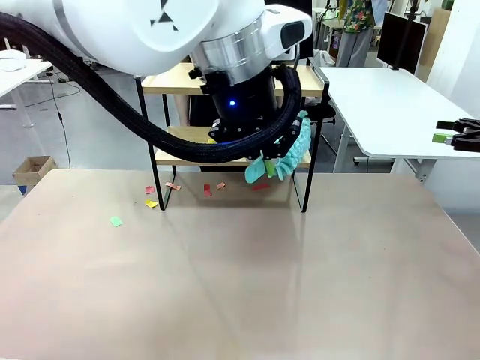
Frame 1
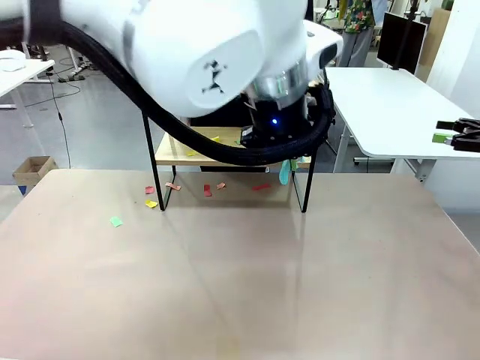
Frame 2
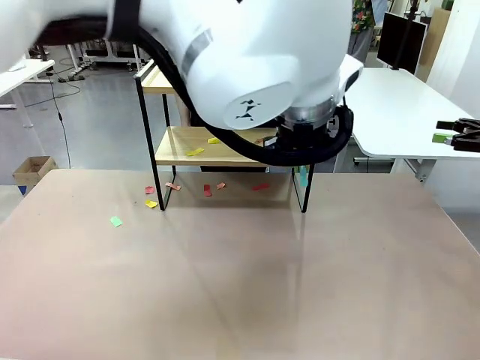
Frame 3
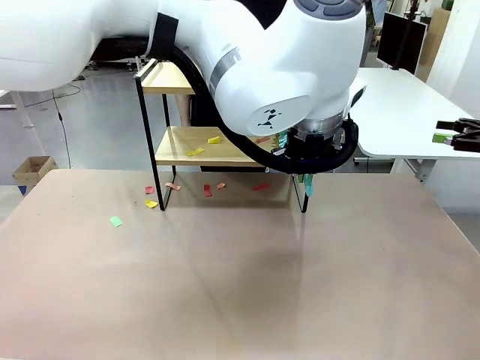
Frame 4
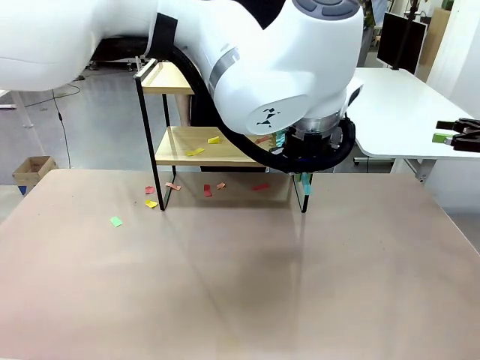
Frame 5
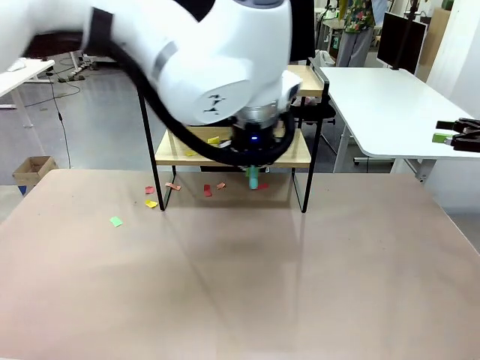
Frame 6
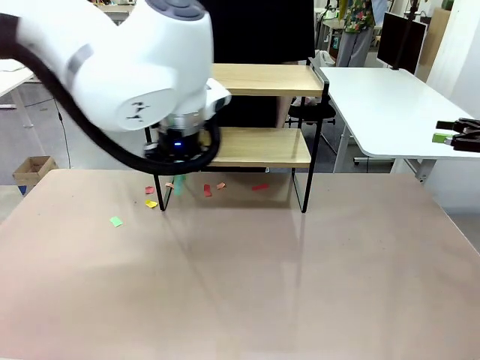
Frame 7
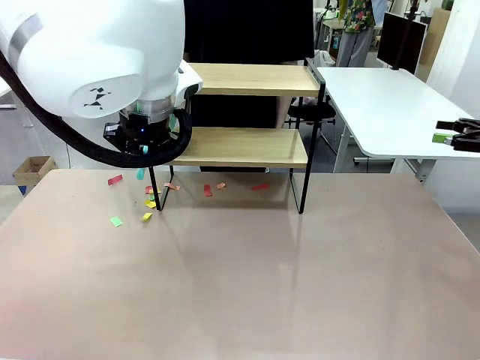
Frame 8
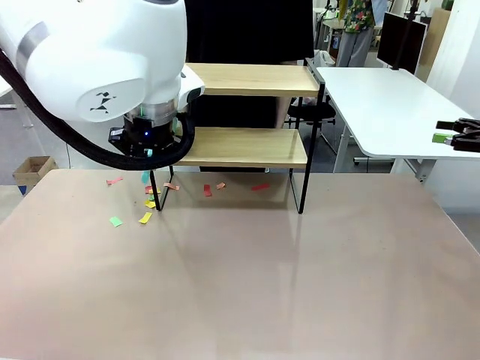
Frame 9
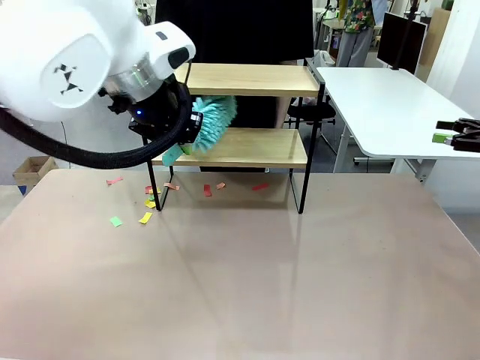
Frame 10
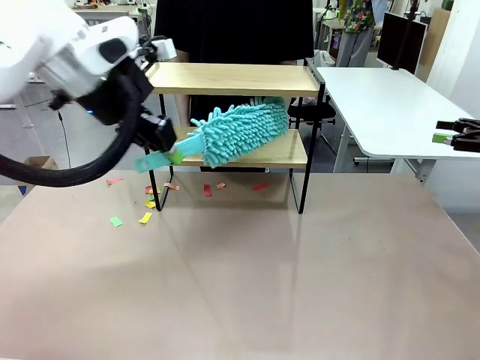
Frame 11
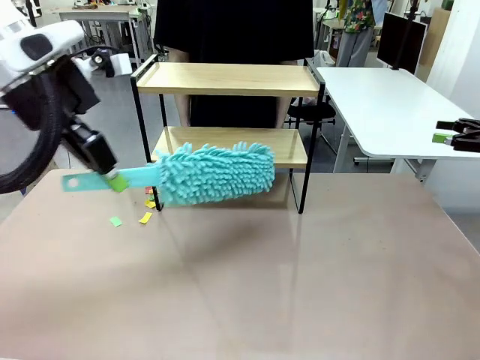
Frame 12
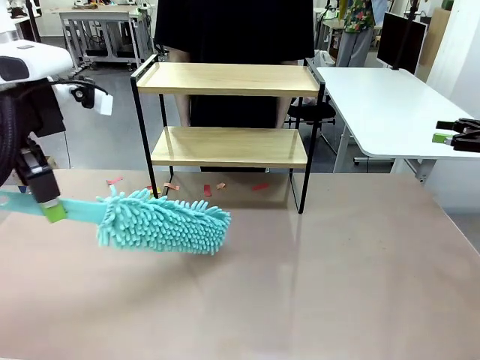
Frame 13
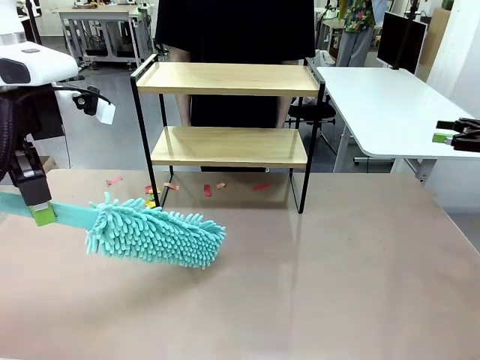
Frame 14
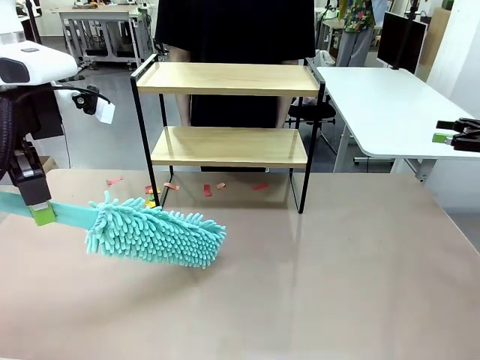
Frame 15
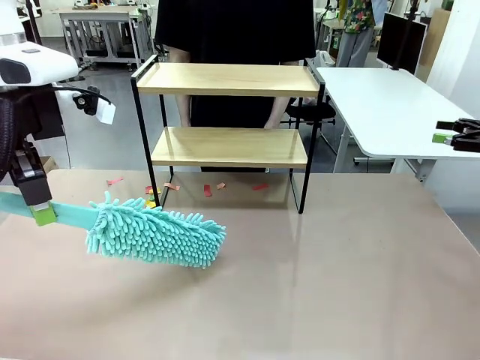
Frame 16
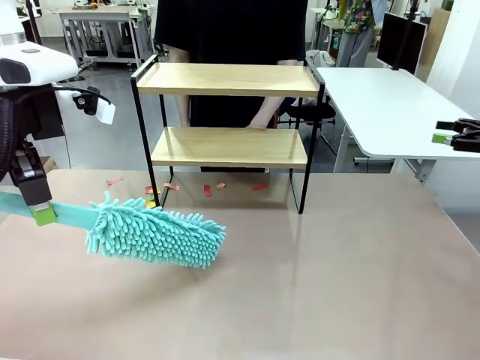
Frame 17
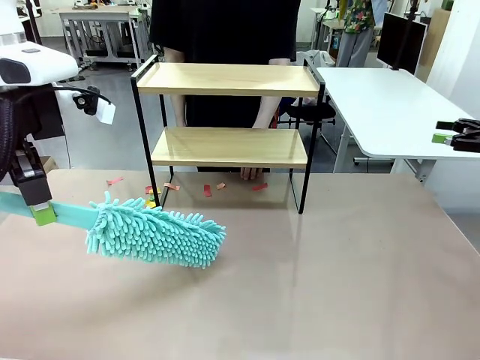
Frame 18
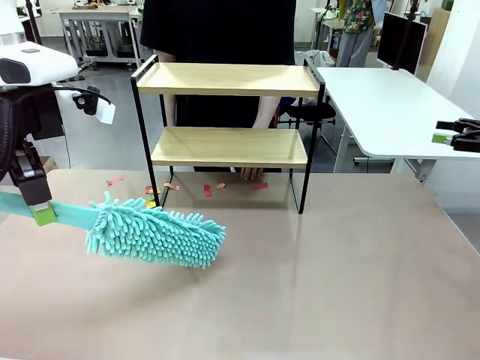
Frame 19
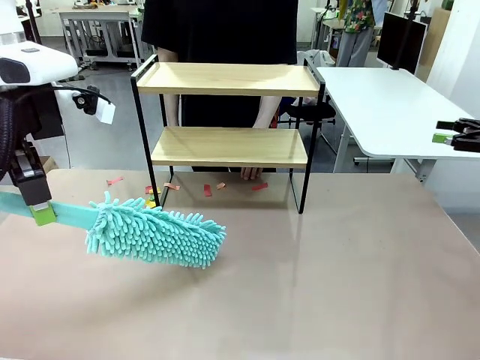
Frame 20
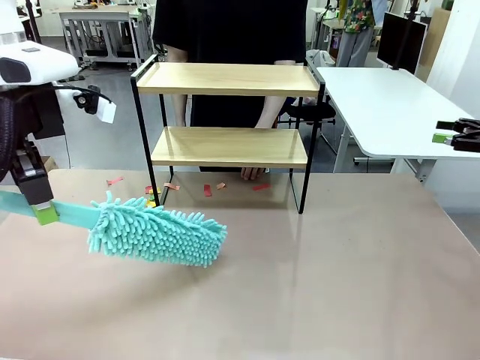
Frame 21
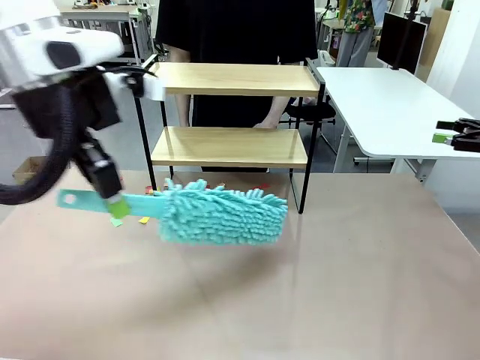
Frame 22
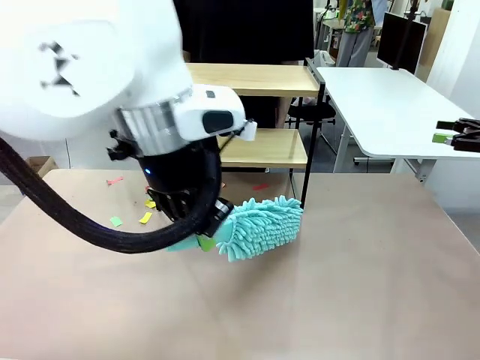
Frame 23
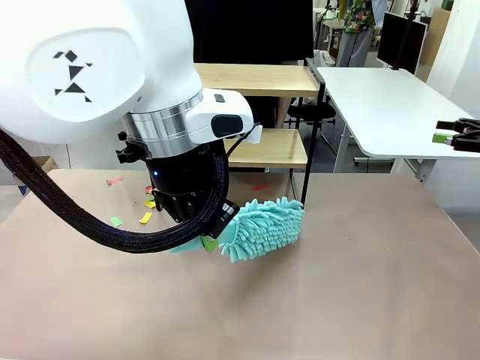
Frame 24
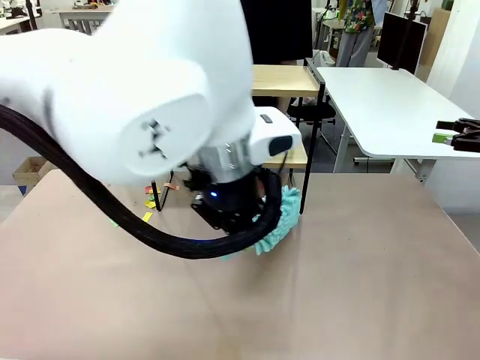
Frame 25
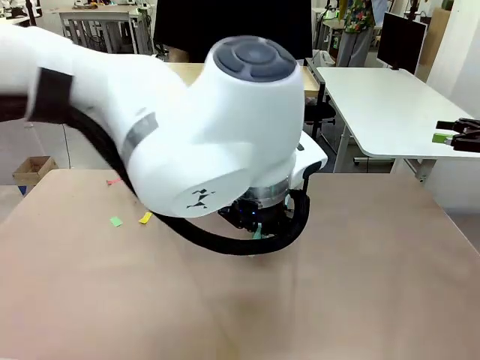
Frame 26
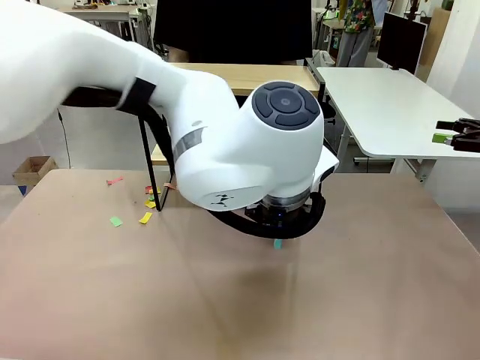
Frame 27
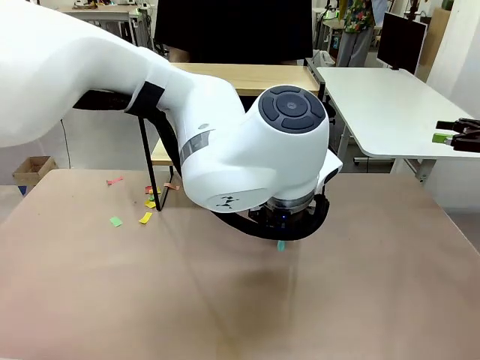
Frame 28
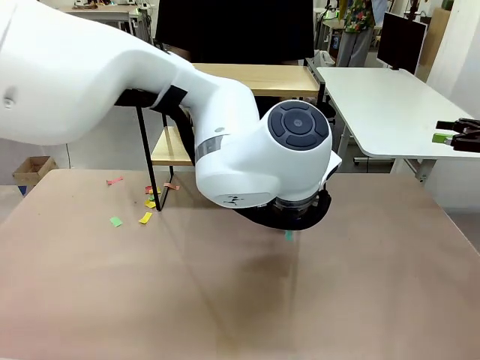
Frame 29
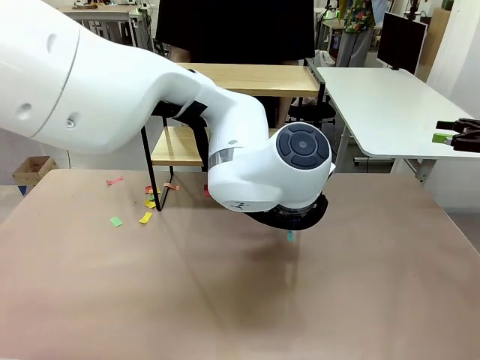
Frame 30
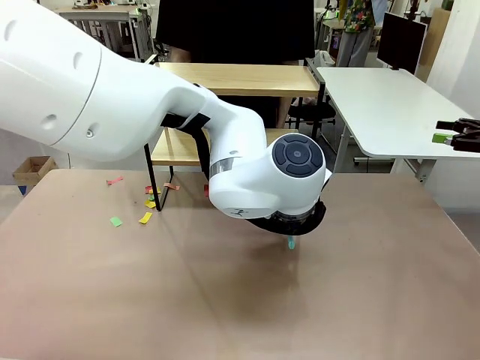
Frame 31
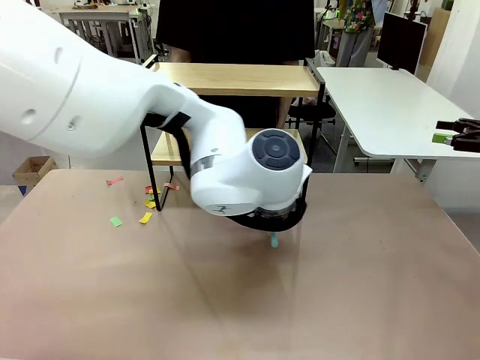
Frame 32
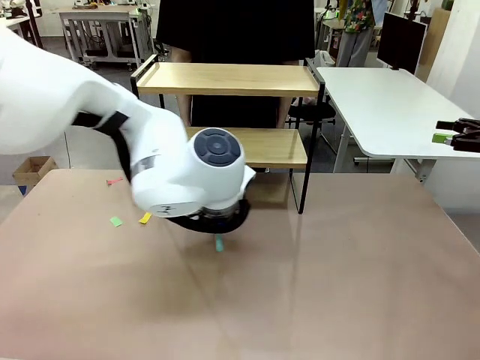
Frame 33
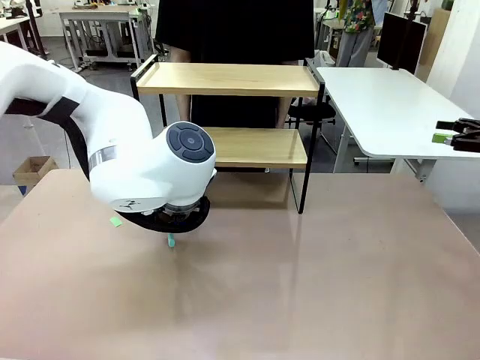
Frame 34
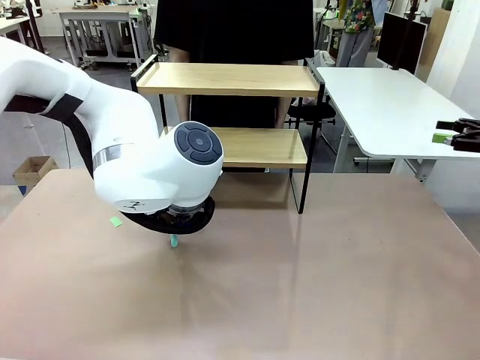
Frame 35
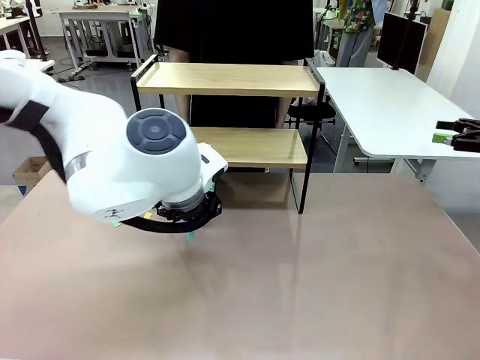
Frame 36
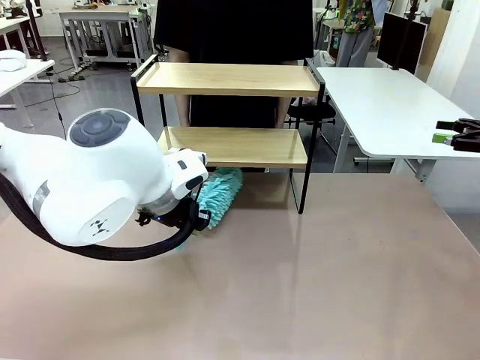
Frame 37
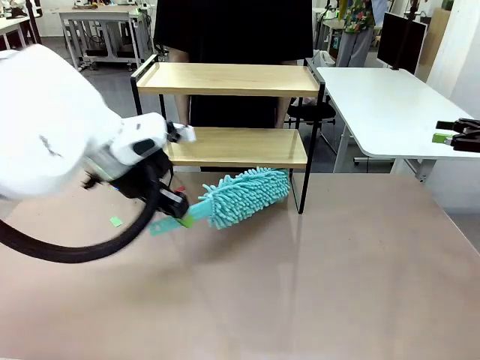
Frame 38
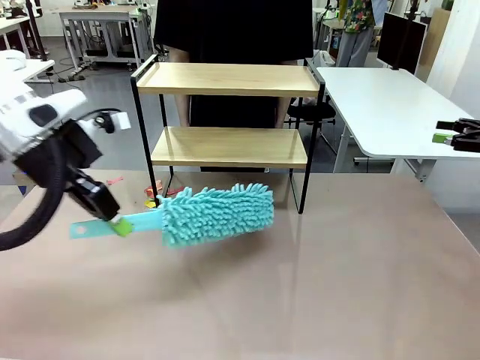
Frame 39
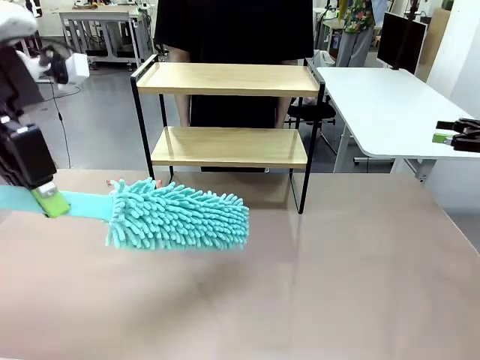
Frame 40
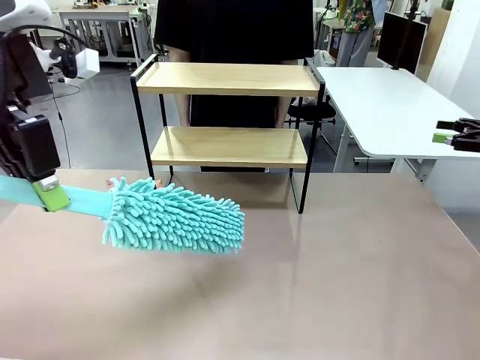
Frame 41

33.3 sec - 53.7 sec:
Task: Clean the shelf.
Robot: Clean the specific section of the Shelf indicated by the human with the Duster.
Person: Point a remaining section of the Shelf.
